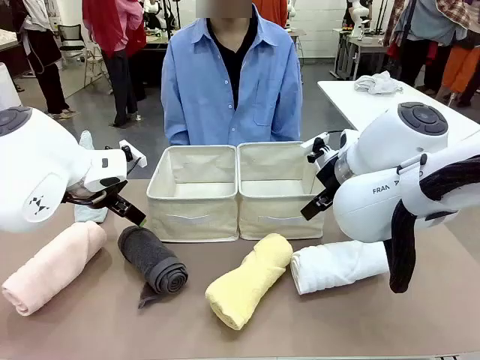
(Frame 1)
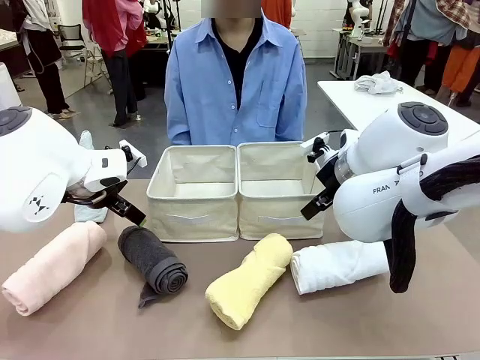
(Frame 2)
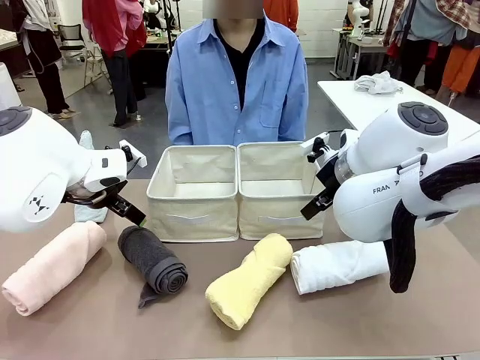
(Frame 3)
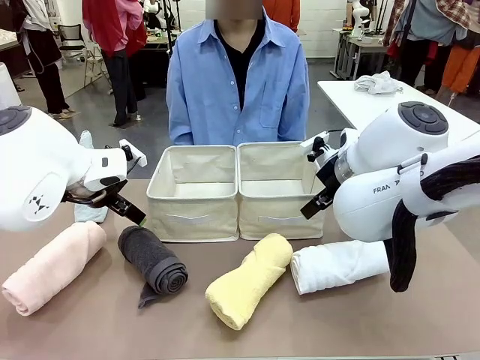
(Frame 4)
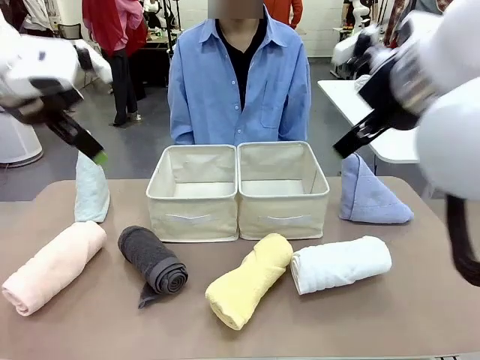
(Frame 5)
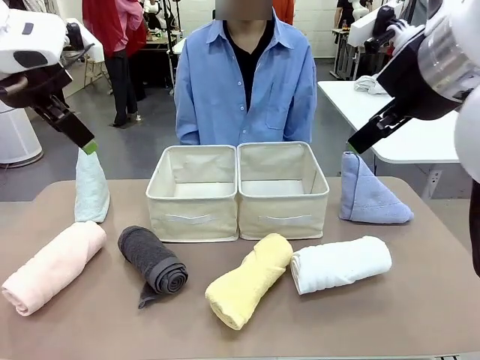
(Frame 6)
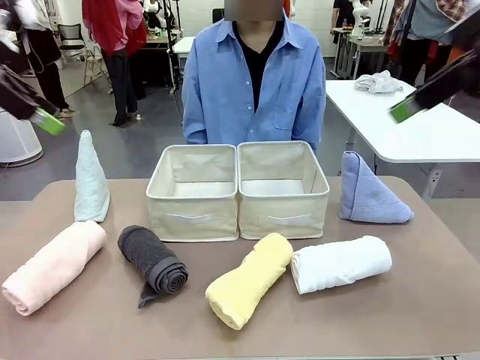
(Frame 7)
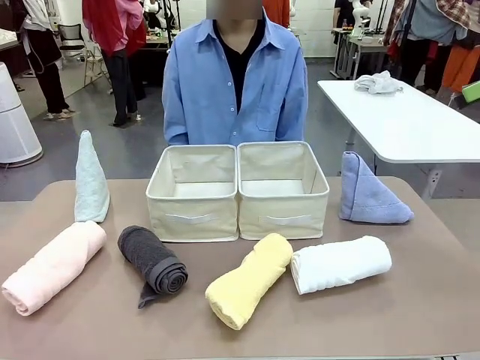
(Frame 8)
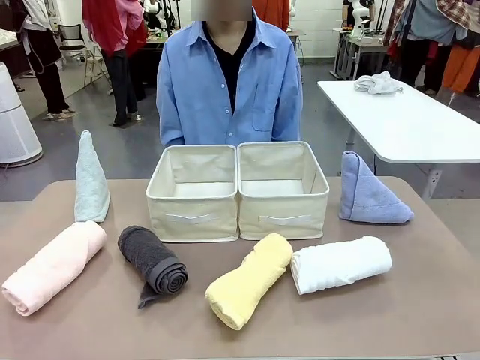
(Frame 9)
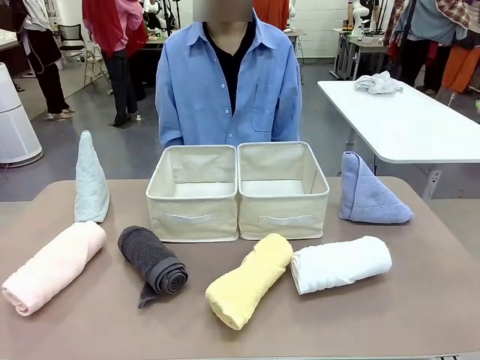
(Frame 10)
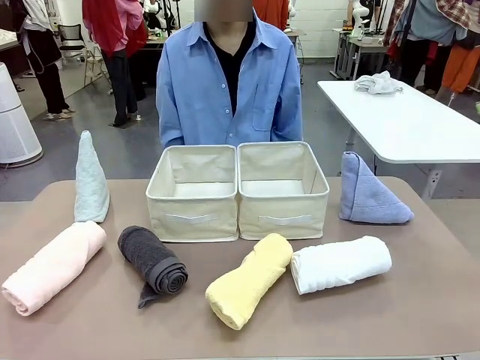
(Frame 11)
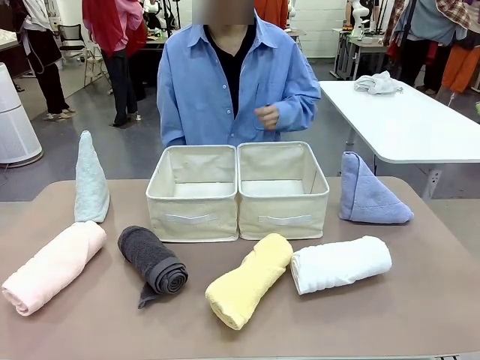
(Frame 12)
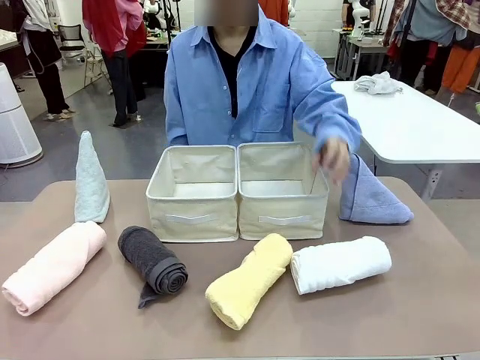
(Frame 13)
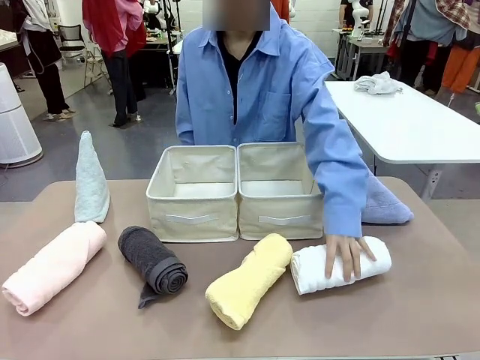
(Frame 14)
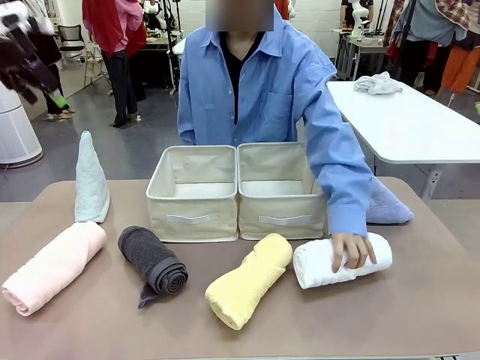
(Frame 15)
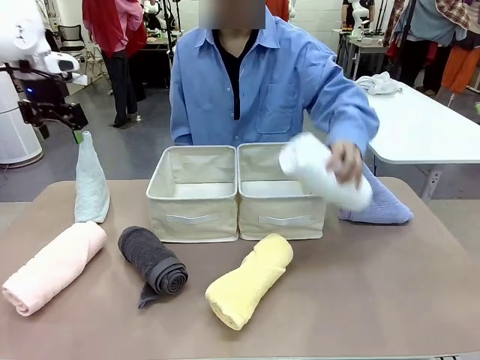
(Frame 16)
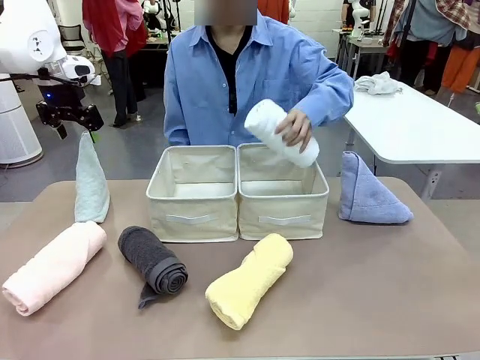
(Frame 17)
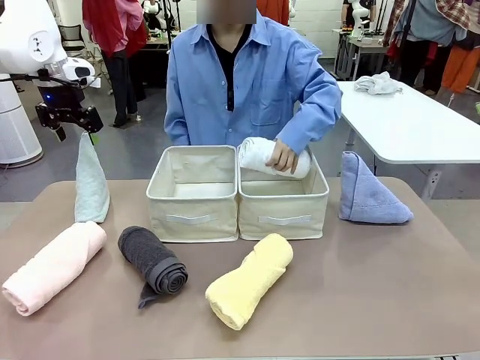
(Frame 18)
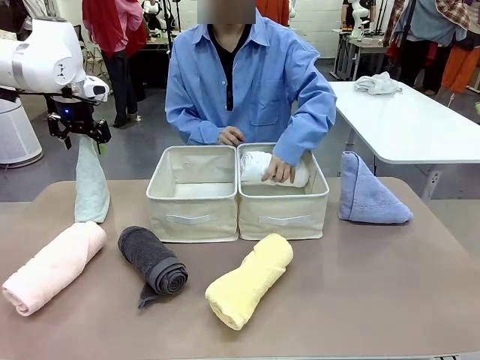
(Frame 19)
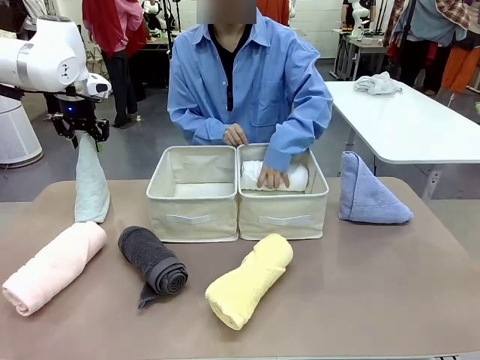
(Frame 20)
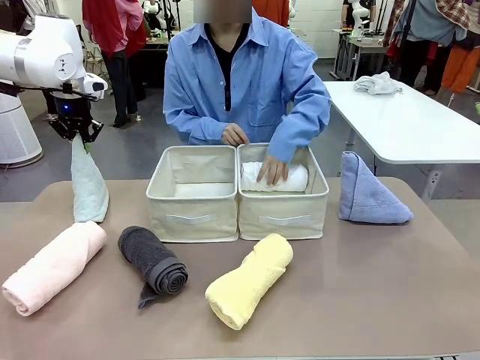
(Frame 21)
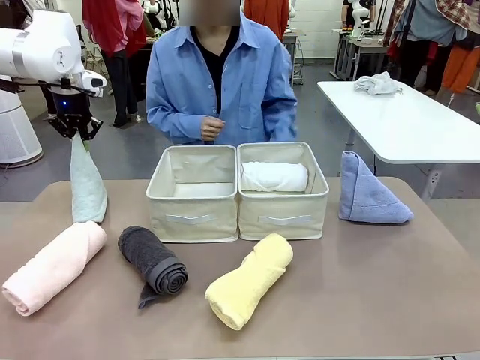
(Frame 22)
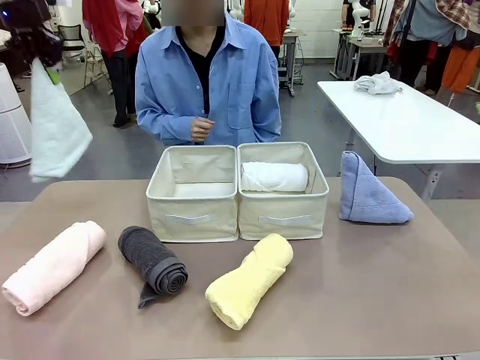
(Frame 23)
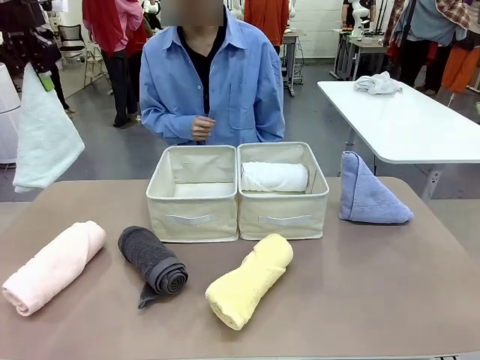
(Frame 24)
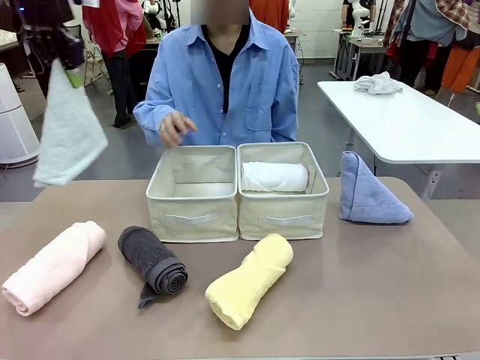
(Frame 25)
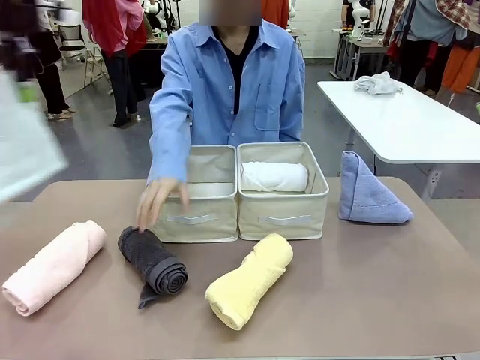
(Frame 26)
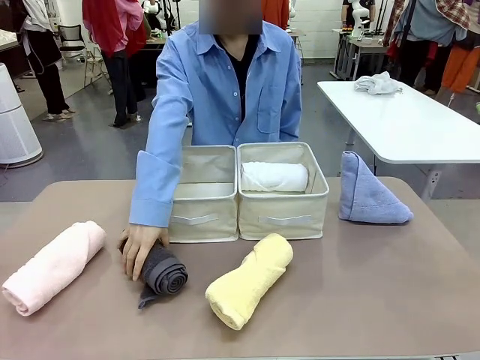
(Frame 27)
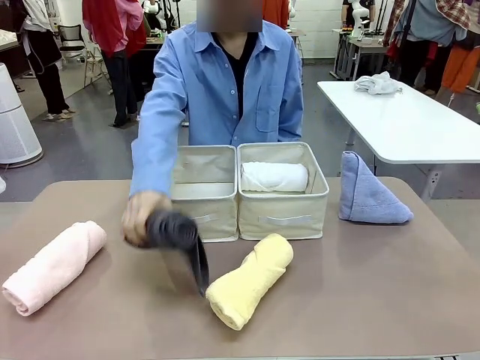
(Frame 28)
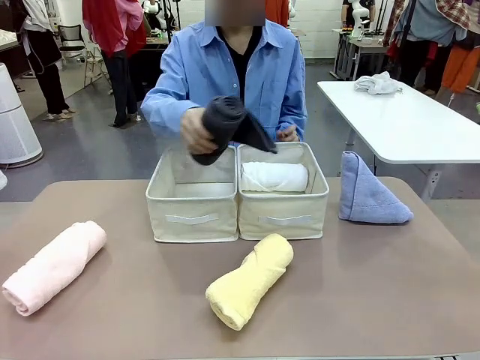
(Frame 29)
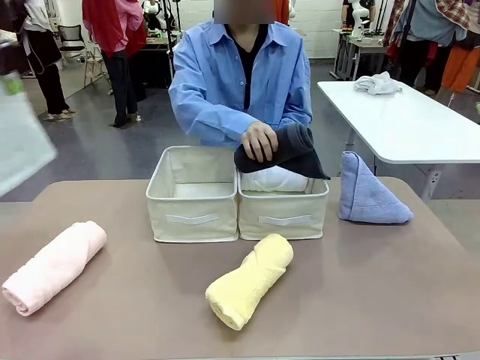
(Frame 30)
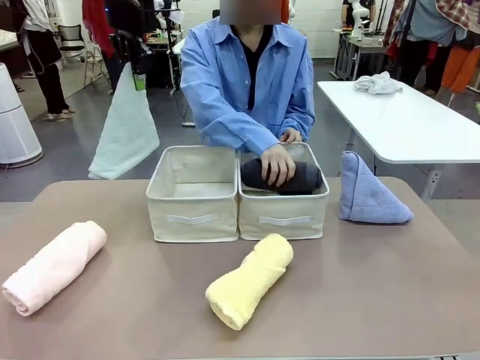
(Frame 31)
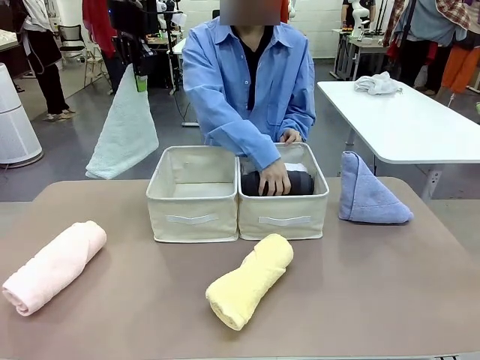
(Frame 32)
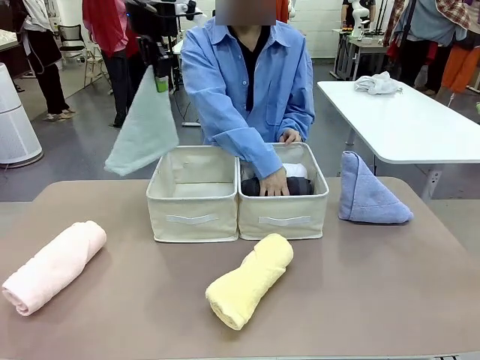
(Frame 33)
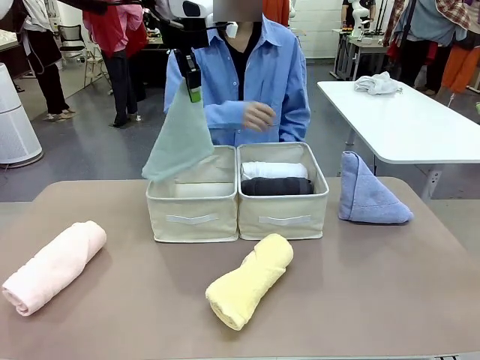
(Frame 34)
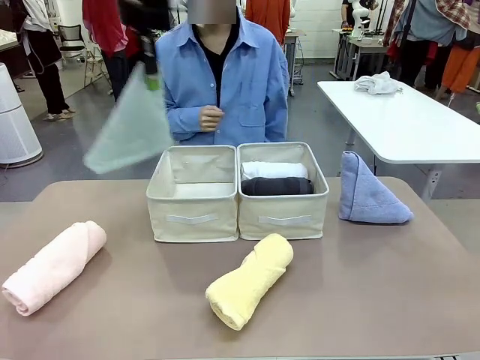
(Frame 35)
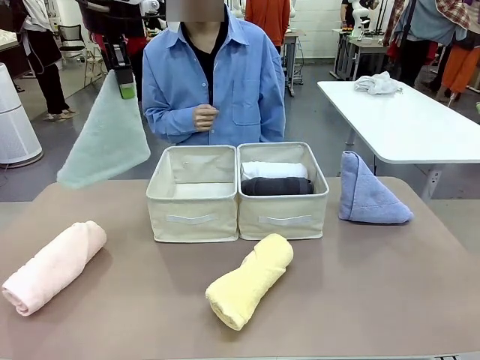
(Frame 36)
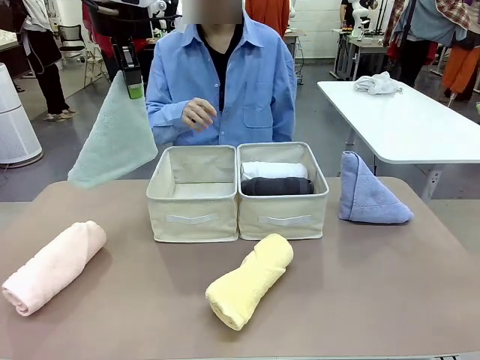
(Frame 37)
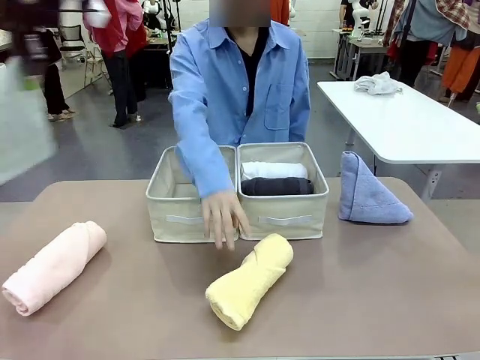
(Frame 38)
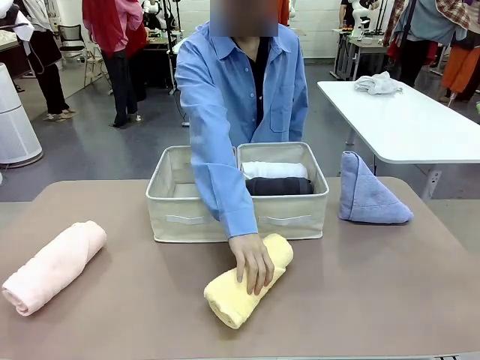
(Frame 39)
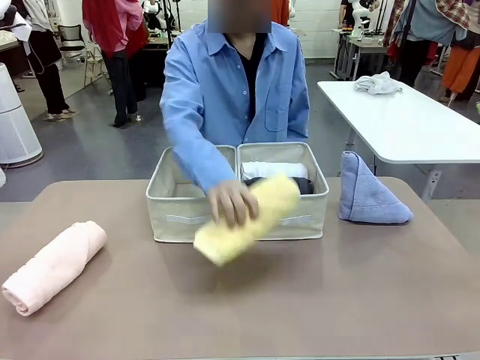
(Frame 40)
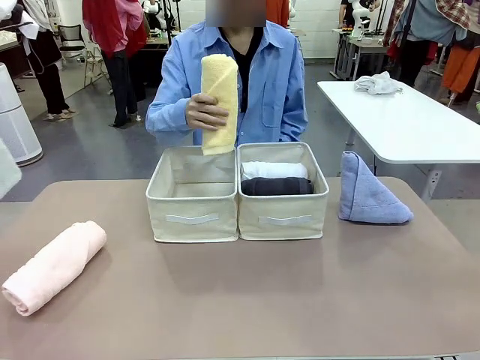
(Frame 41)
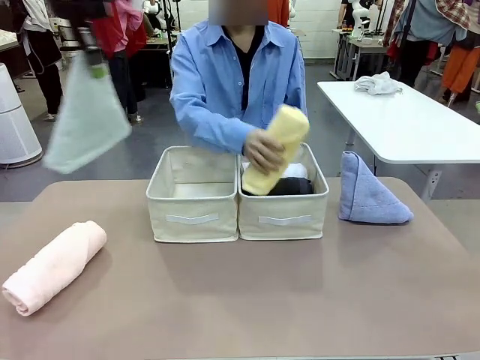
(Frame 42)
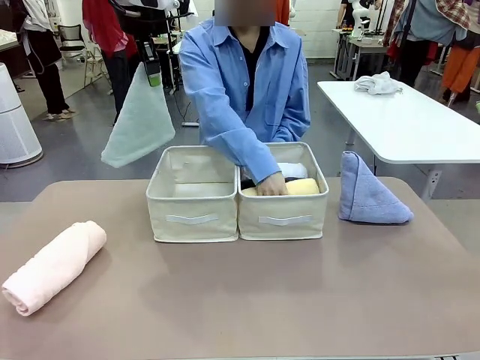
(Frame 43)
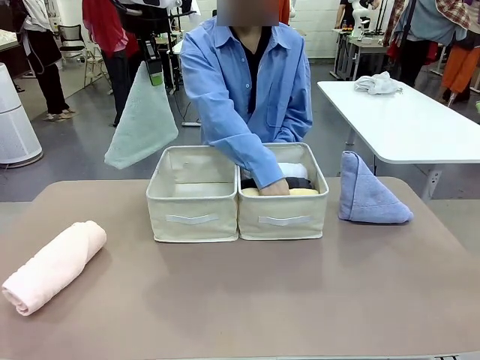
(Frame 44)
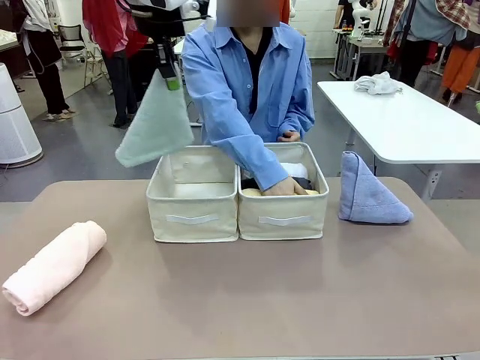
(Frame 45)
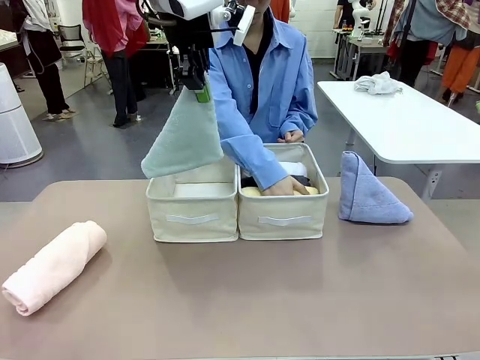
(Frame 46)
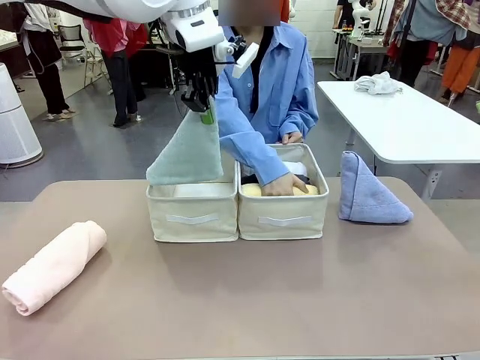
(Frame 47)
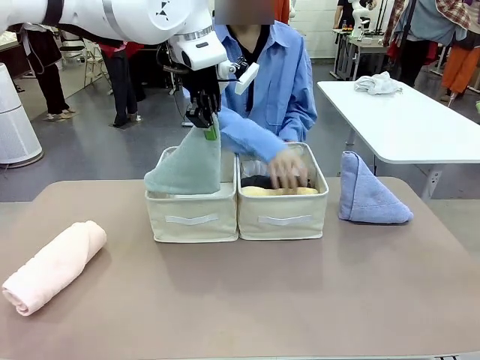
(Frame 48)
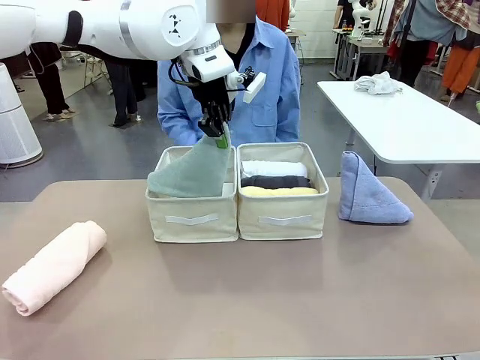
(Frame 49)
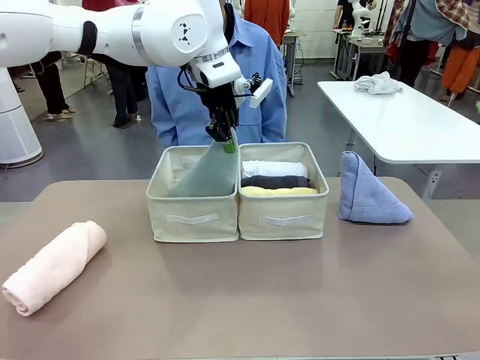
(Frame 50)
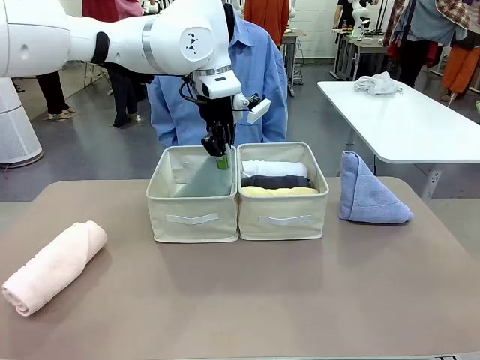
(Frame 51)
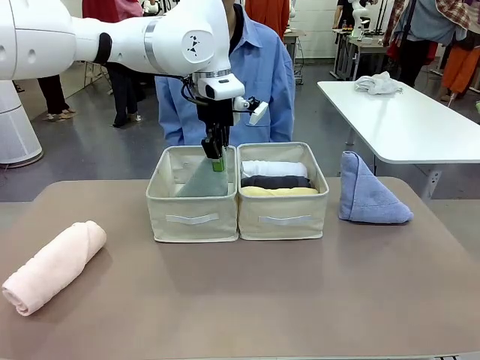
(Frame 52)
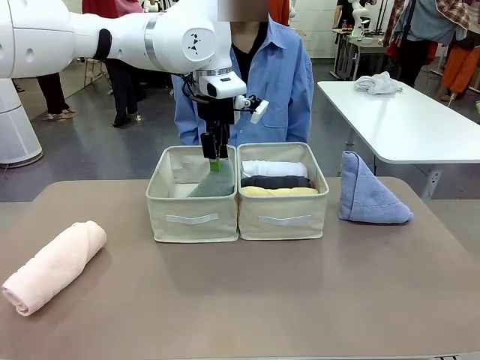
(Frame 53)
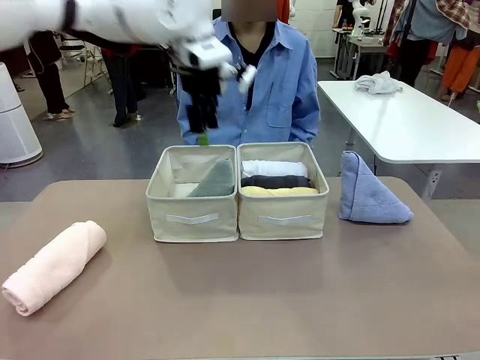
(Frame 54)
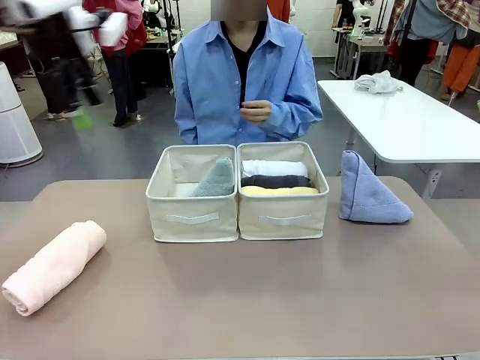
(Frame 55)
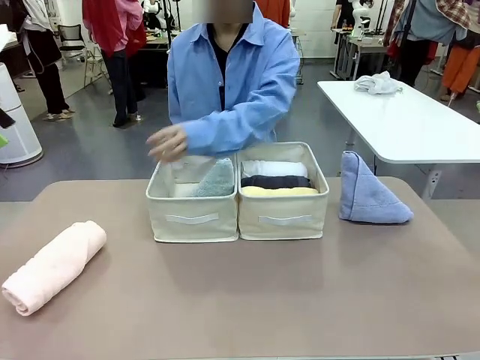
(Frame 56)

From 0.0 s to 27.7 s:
Task: Sort the towels based on their folding style.
Robot: Pick up one triangle-folded towel and place it in the left Fabric basket.
Person: Pick up one hotel-style rolled towel and place it in the left fabric basket.
